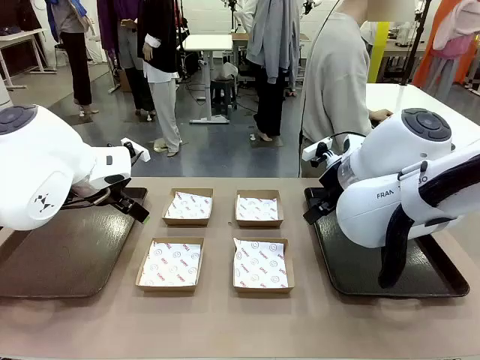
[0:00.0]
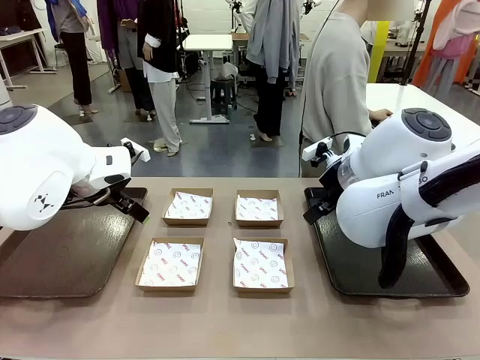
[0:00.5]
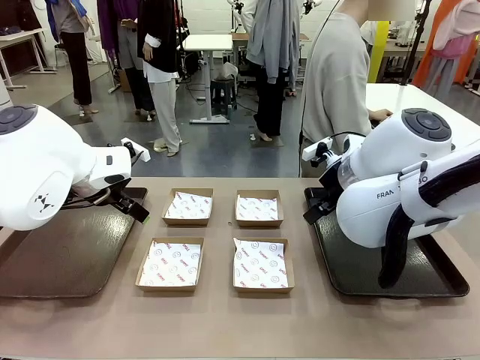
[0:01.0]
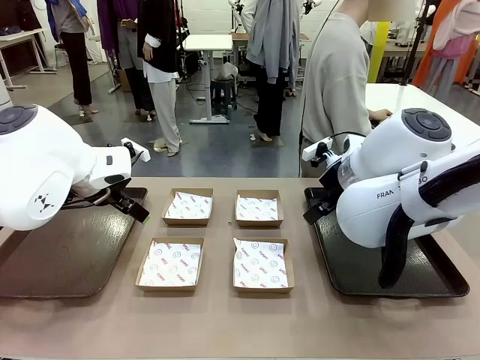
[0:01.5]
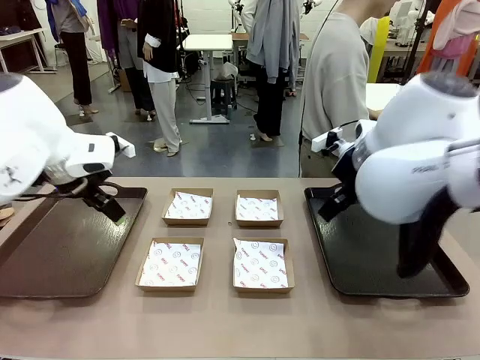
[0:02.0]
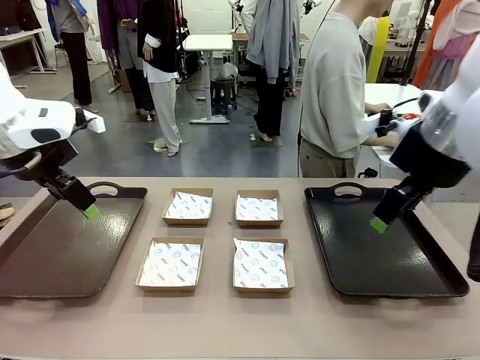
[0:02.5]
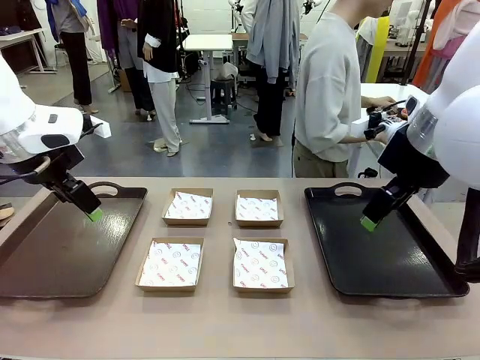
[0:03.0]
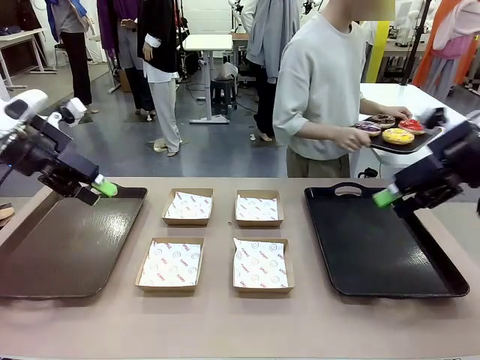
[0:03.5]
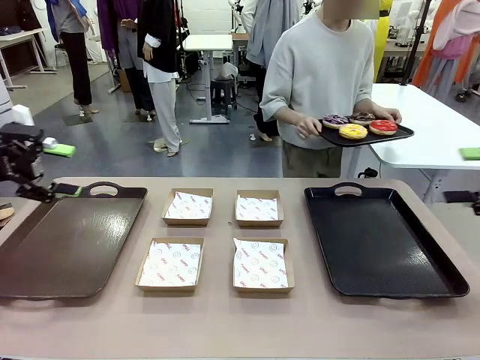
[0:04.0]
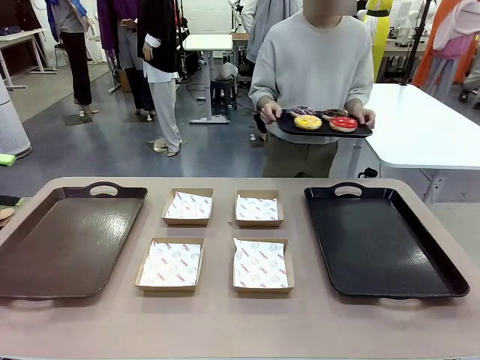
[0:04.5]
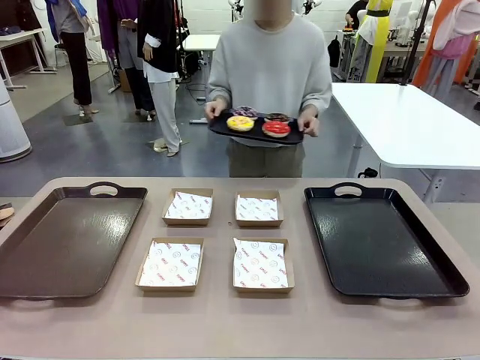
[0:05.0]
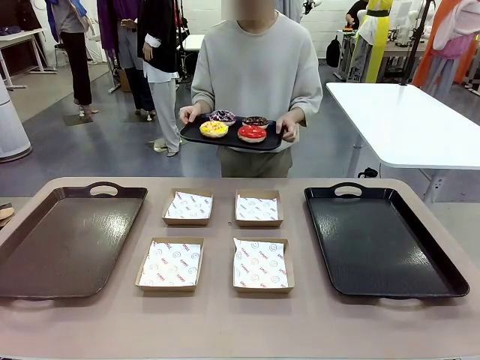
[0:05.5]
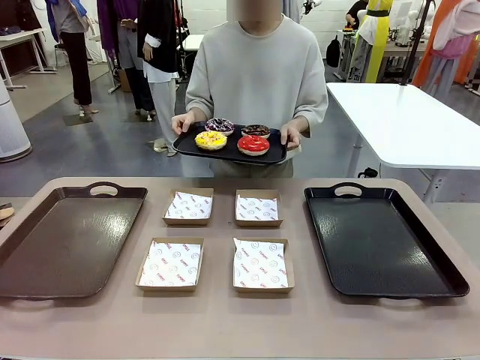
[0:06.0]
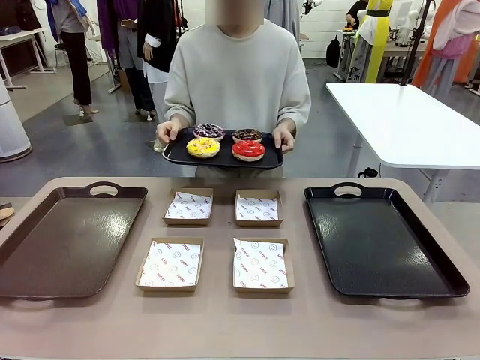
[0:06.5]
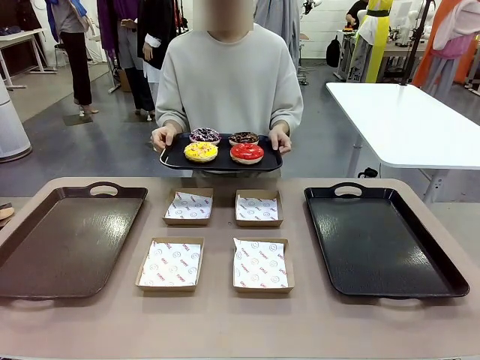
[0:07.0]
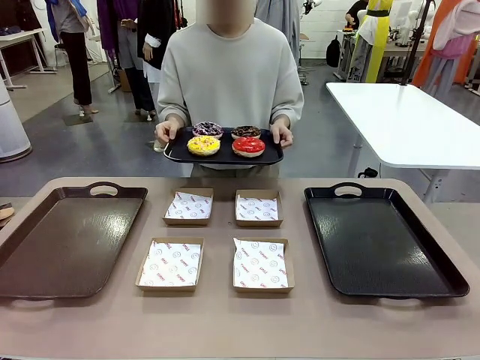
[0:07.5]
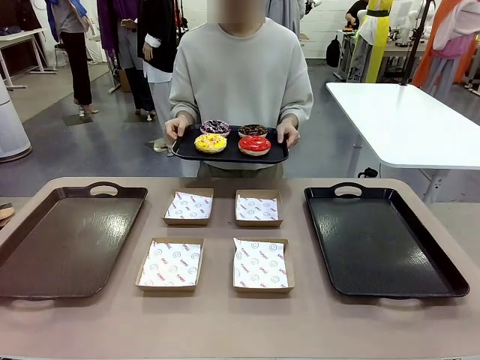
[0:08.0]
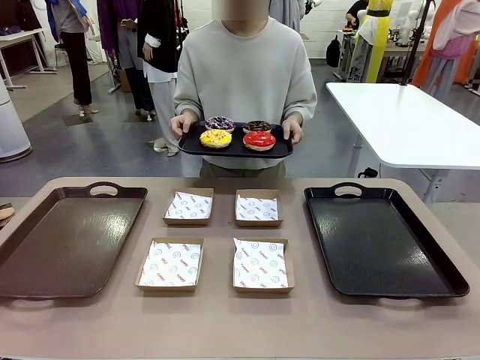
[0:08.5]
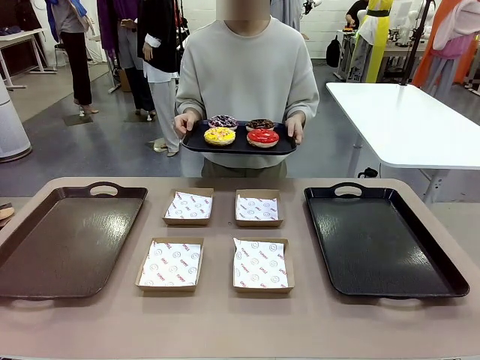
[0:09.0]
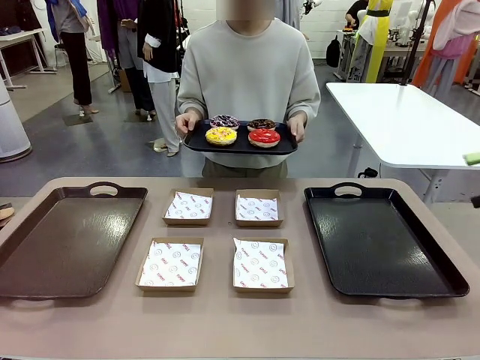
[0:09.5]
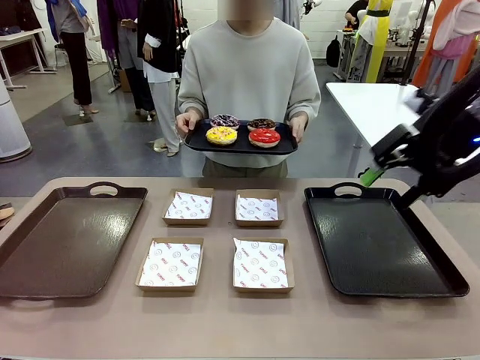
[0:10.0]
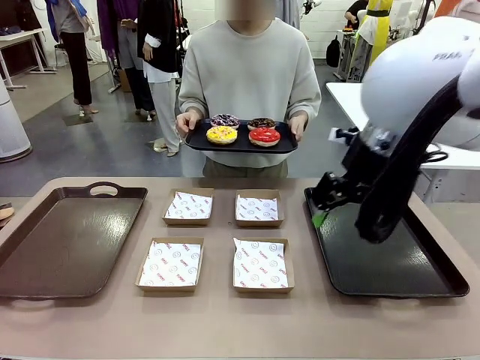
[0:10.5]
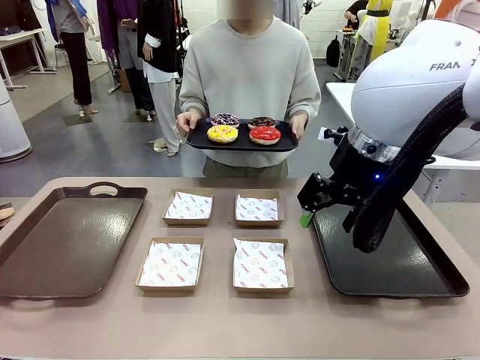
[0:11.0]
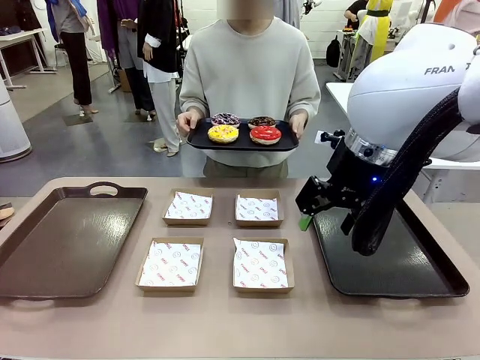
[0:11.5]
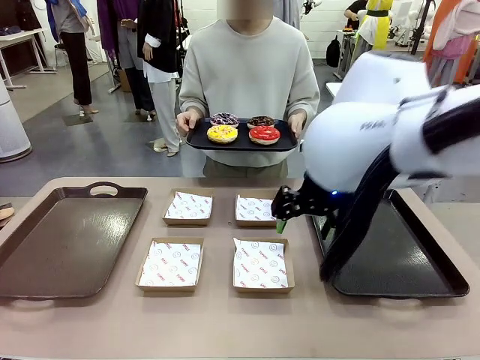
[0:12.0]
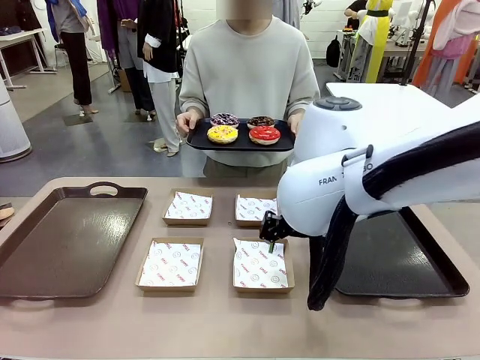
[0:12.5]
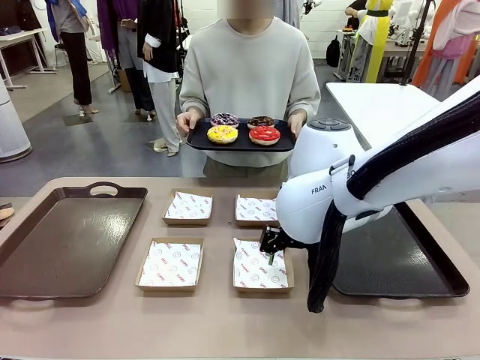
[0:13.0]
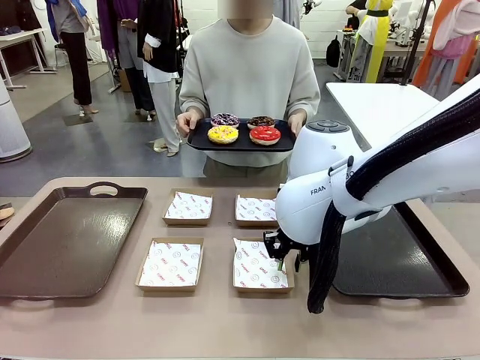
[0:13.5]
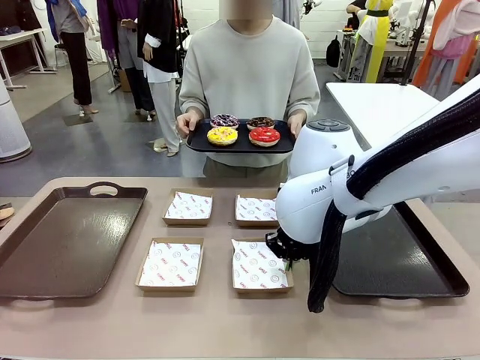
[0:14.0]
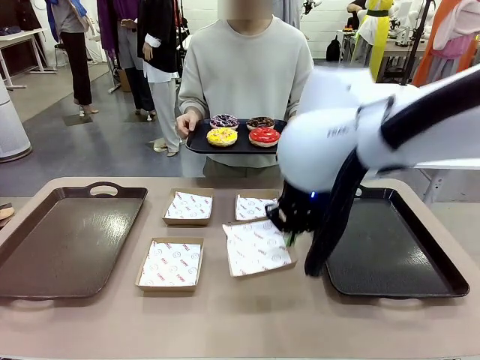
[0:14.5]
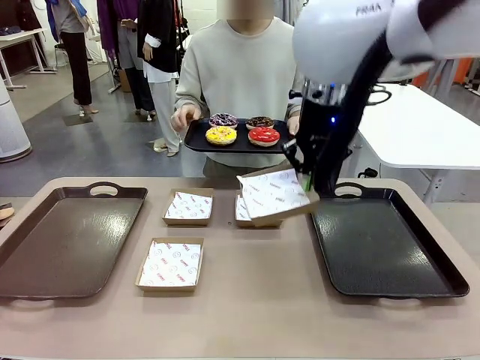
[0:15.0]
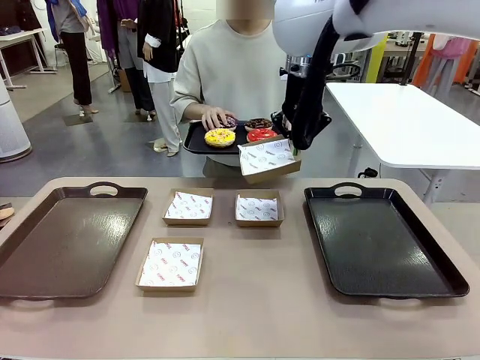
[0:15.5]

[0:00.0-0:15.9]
Task: Individually package the donuts and arrange them on the tray.
Robot: Pick up one Paper togo box.
Person: Stand in front of the robot table holding the tray containing the donuts.

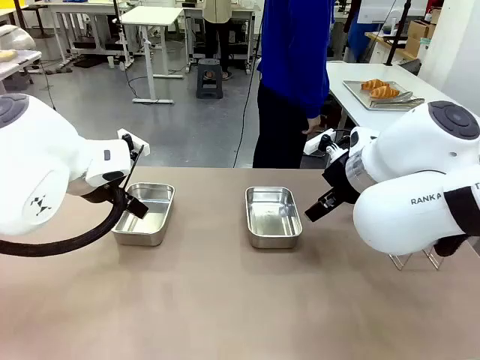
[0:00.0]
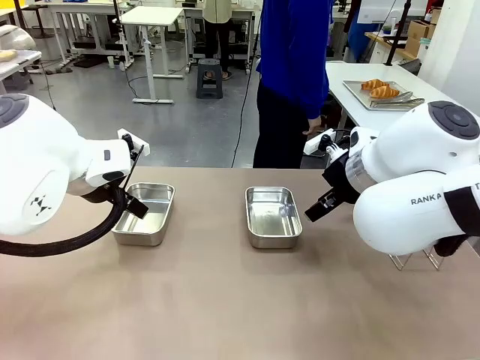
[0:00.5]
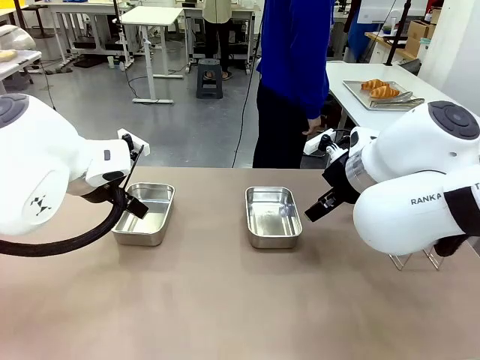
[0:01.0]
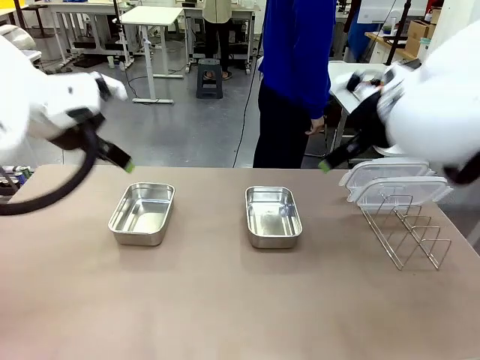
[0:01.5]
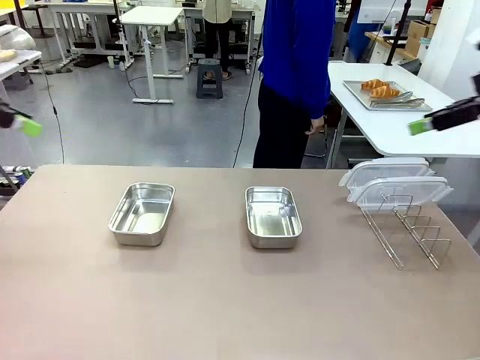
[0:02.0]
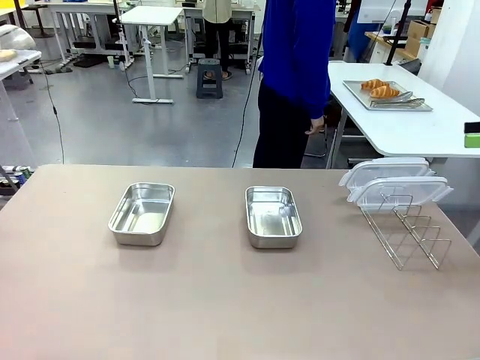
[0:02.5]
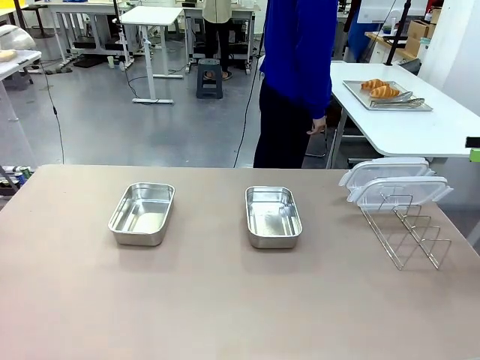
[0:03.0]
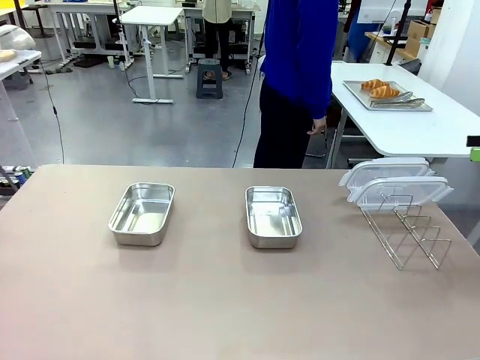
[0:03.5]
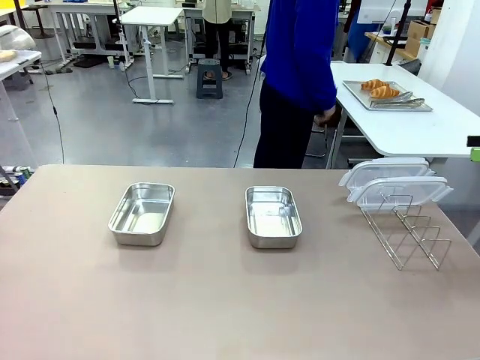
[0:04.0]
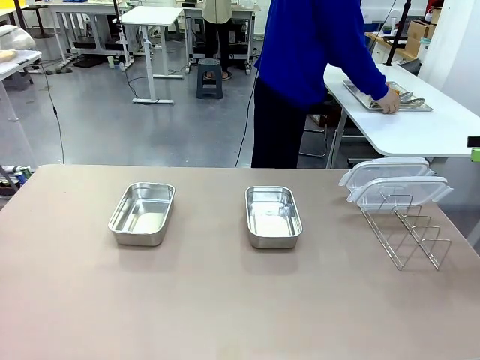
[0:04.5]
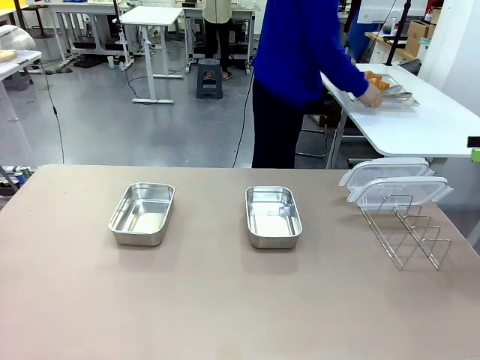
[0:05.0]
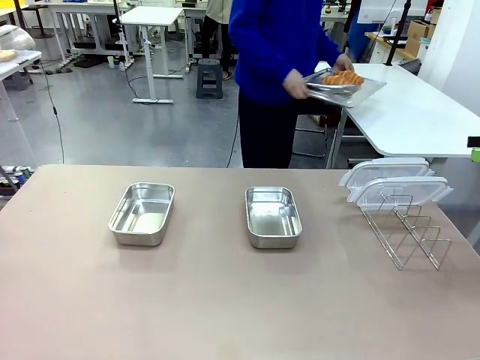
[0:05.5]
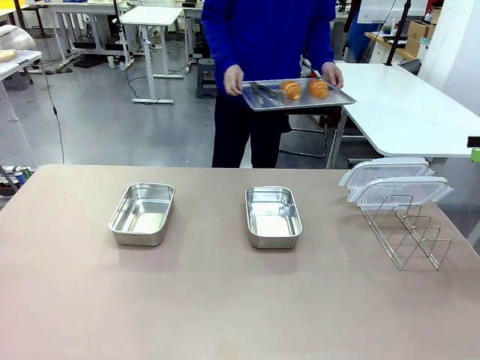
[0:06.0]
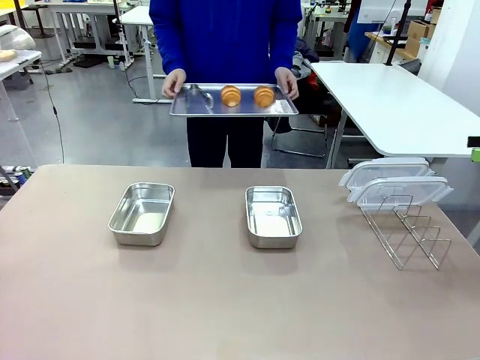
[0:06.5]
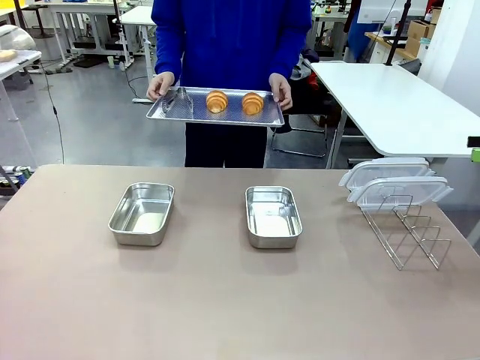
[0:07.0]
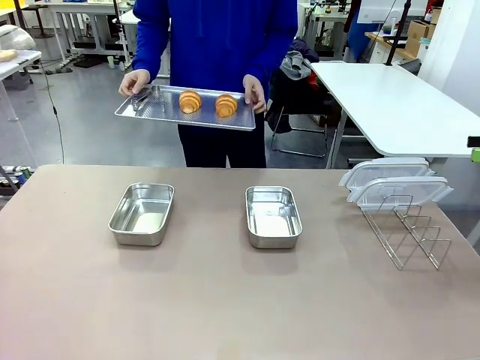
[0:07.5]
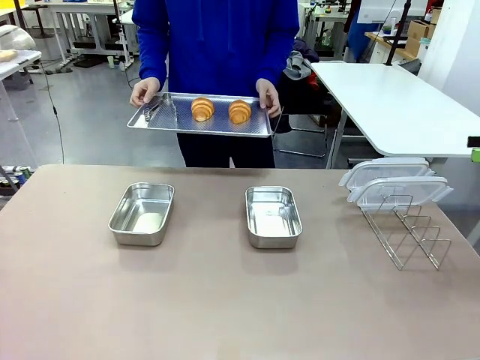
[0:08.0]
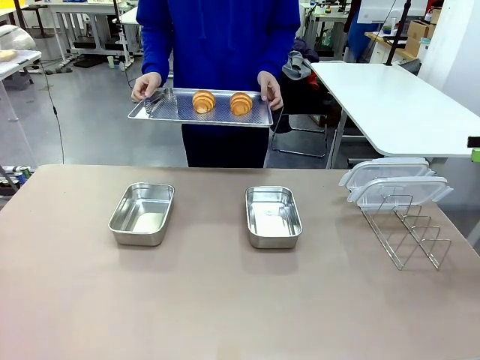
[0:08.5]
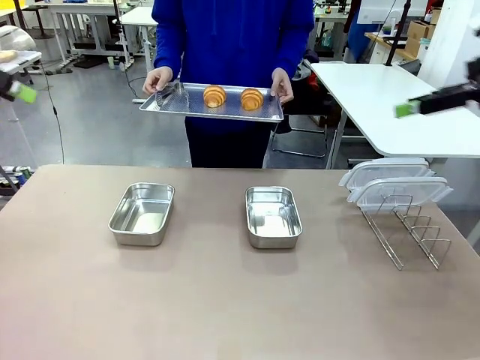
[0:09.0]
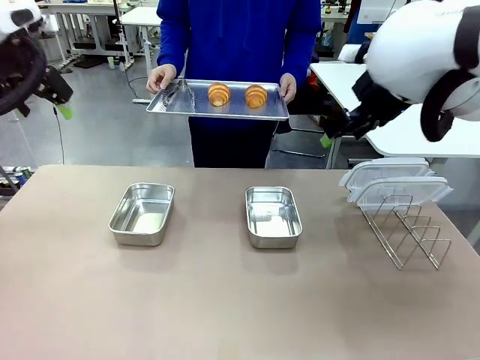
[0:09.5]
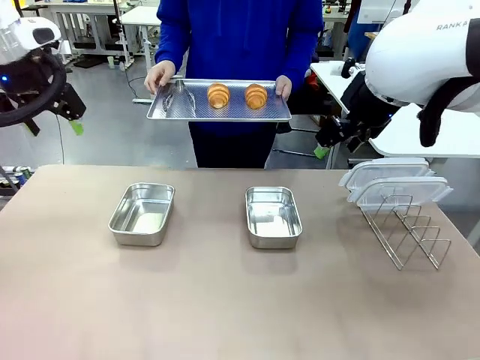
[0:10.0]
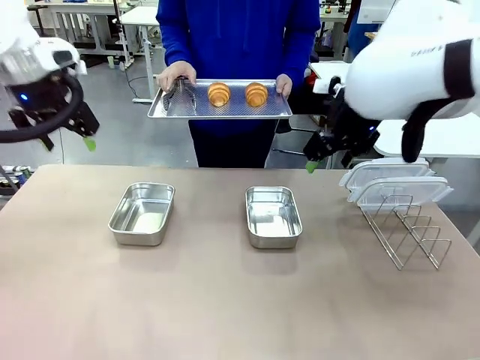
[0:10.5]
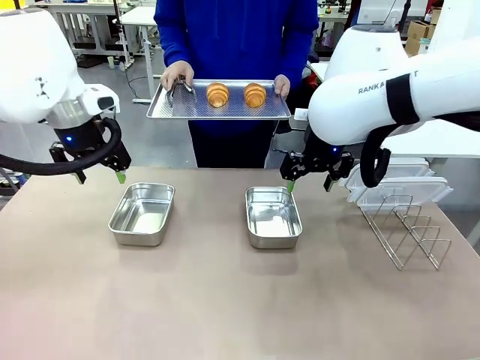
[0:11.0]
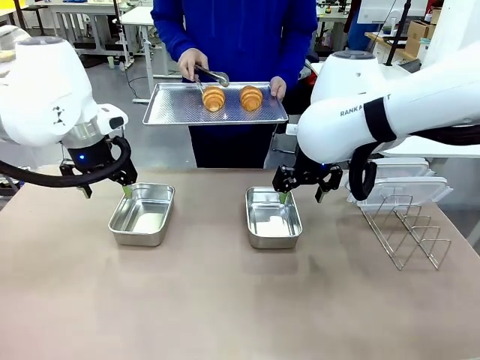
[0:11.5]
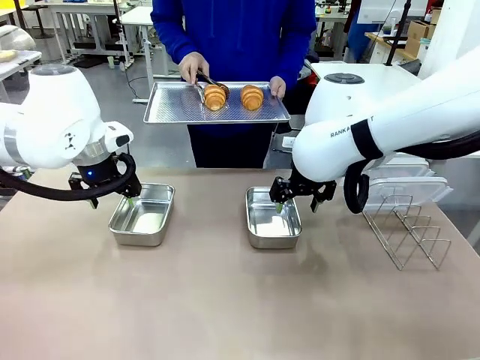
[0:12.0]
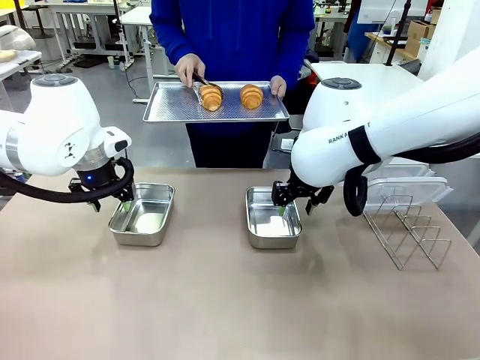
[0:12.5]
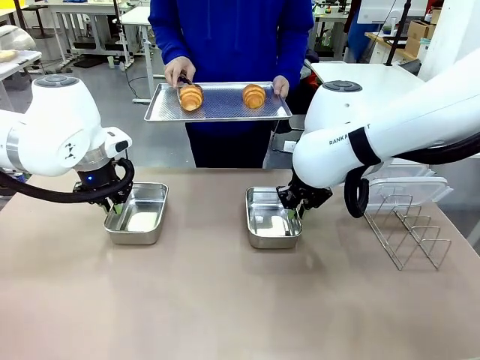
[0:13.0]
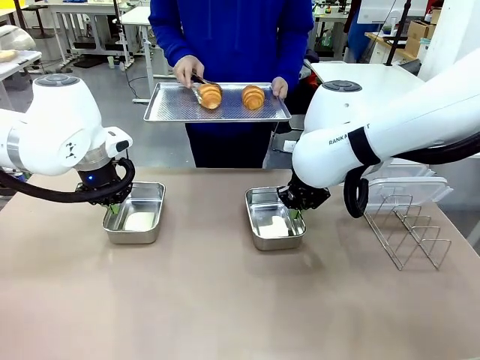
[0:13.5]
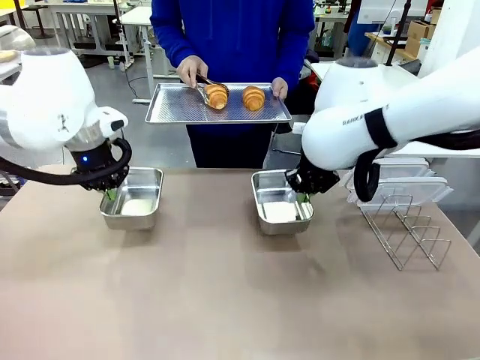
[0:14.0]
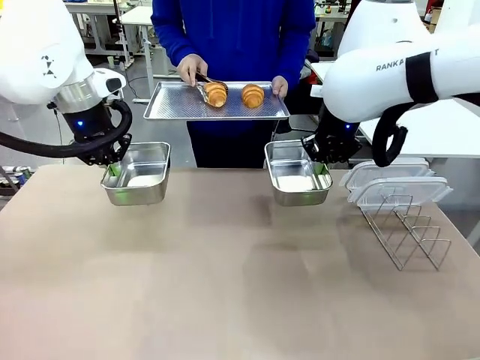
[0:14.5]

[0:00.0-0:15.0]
Task: Place the bread in airtight containers.
Robot: Lift both Airtight Container.
Person: Bring the Baking Sheet in front of Robot's Table.
